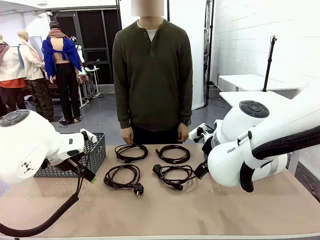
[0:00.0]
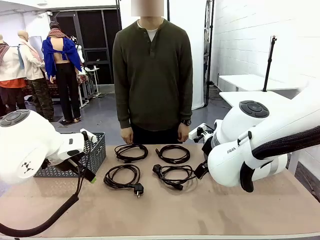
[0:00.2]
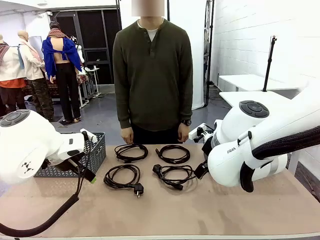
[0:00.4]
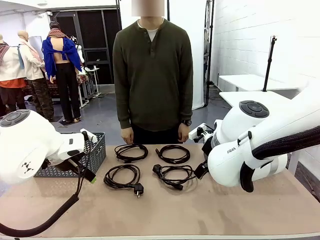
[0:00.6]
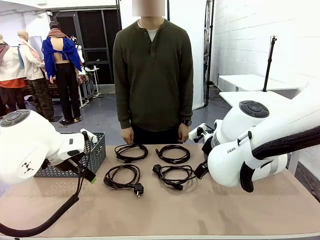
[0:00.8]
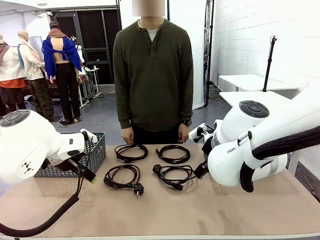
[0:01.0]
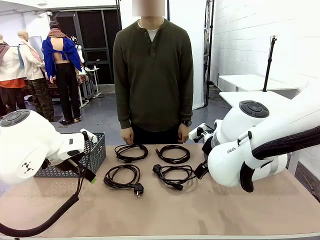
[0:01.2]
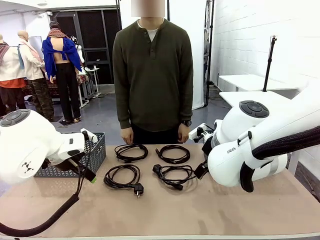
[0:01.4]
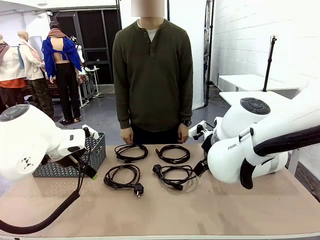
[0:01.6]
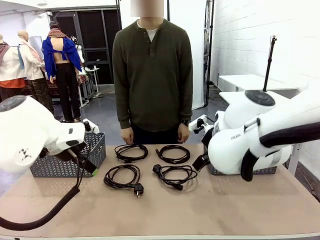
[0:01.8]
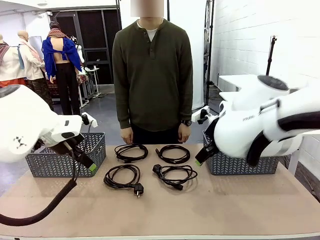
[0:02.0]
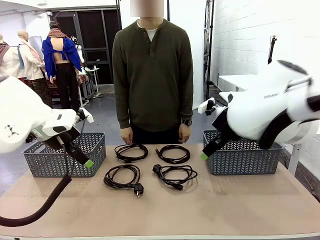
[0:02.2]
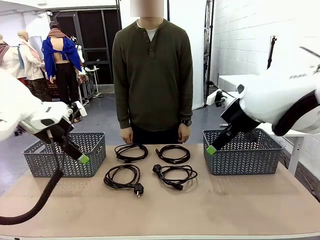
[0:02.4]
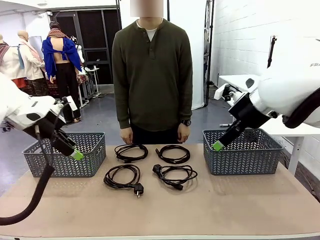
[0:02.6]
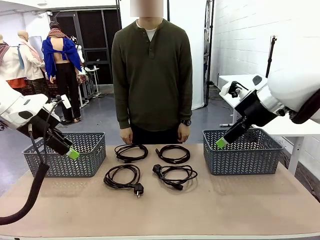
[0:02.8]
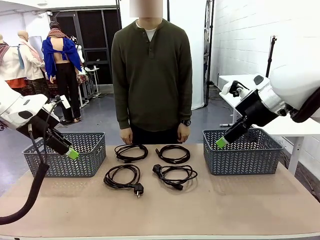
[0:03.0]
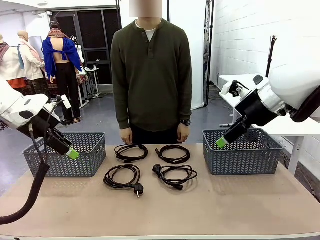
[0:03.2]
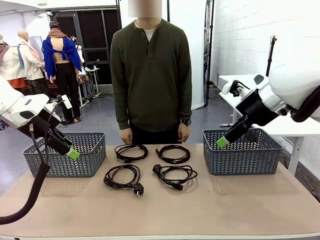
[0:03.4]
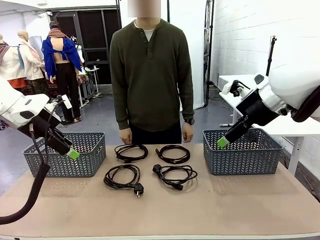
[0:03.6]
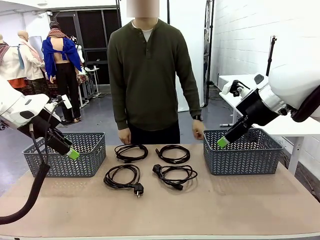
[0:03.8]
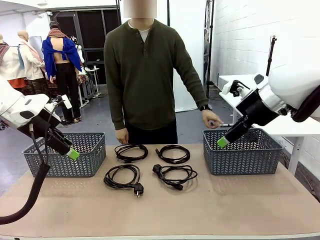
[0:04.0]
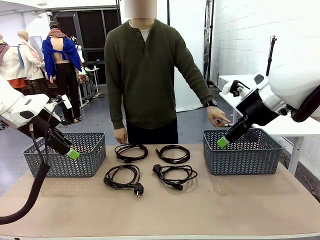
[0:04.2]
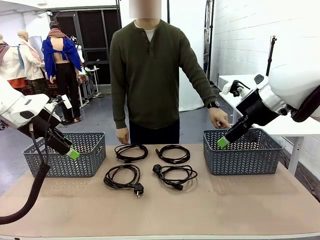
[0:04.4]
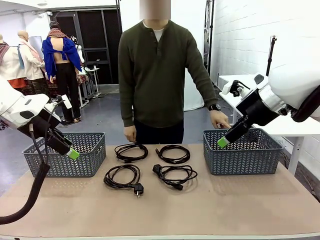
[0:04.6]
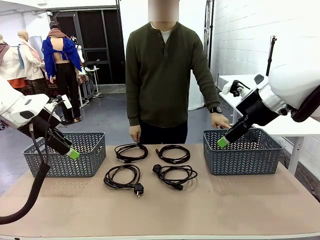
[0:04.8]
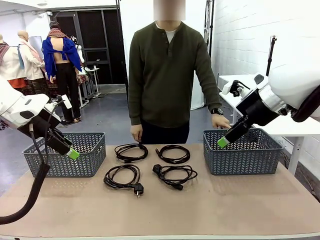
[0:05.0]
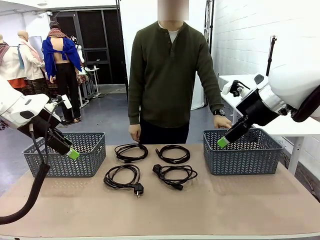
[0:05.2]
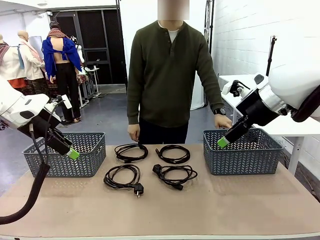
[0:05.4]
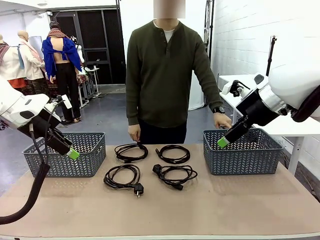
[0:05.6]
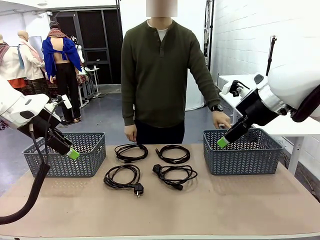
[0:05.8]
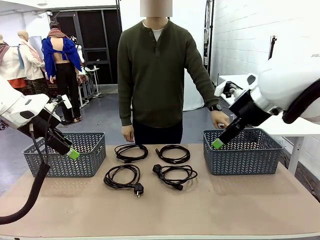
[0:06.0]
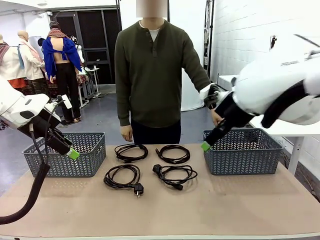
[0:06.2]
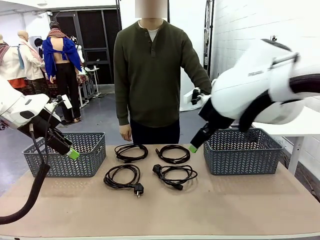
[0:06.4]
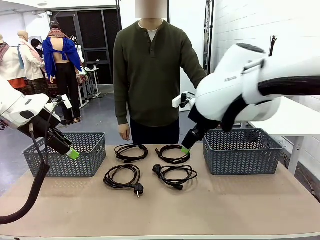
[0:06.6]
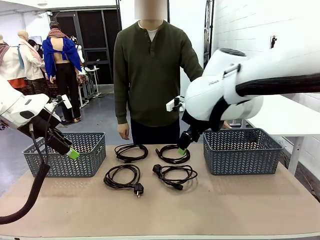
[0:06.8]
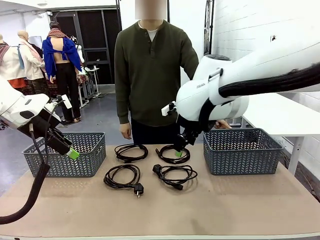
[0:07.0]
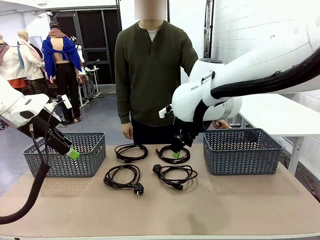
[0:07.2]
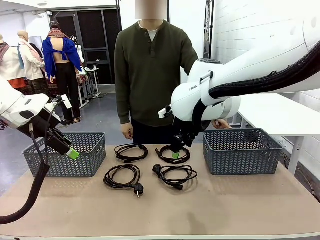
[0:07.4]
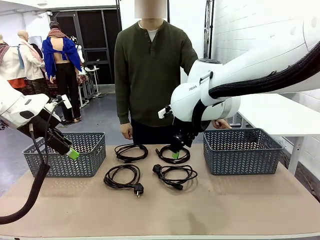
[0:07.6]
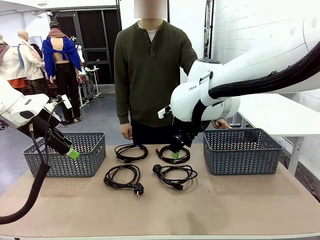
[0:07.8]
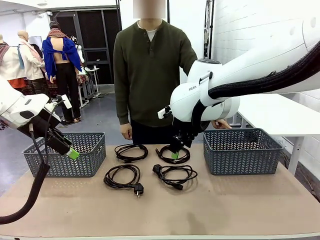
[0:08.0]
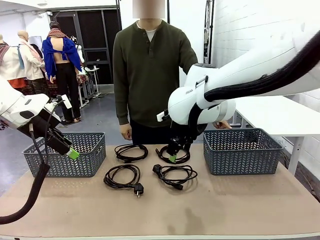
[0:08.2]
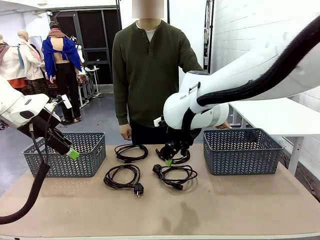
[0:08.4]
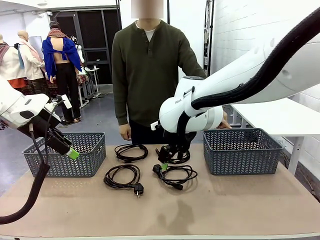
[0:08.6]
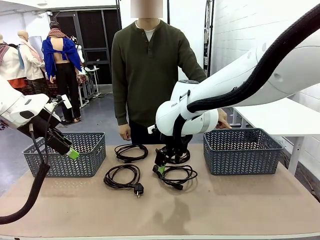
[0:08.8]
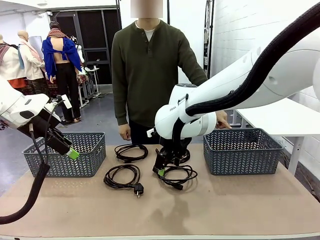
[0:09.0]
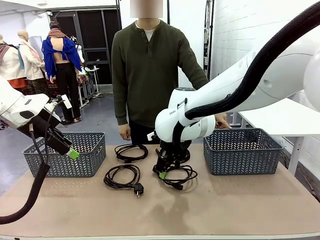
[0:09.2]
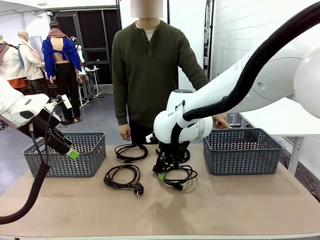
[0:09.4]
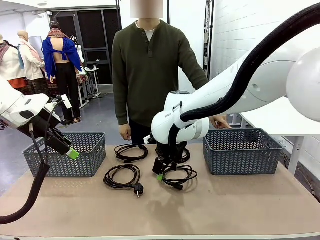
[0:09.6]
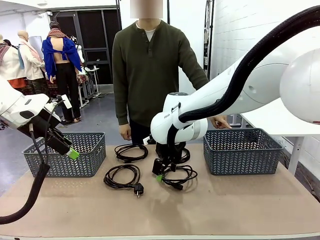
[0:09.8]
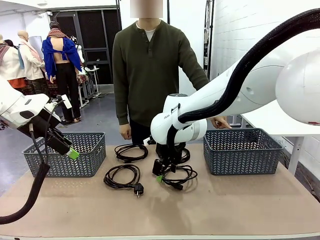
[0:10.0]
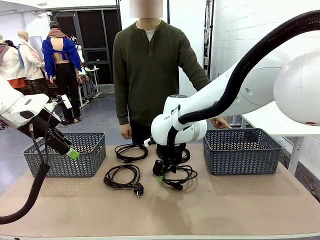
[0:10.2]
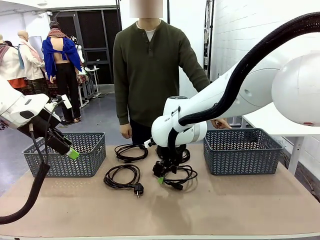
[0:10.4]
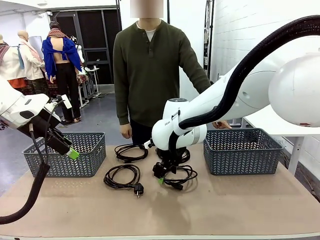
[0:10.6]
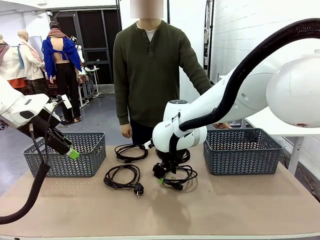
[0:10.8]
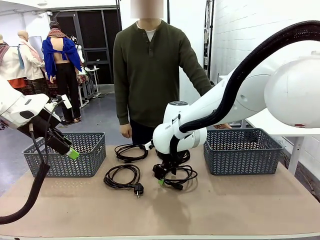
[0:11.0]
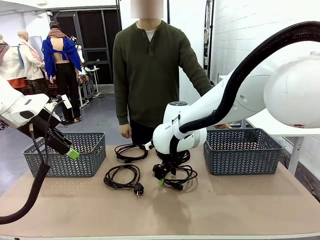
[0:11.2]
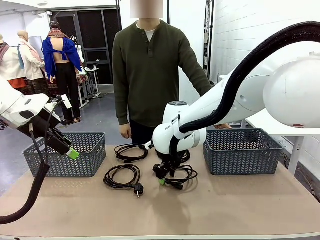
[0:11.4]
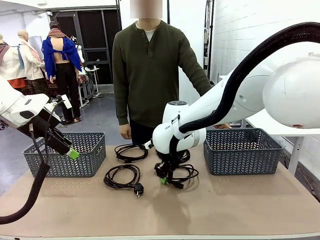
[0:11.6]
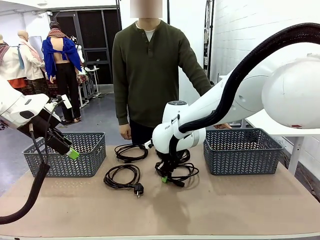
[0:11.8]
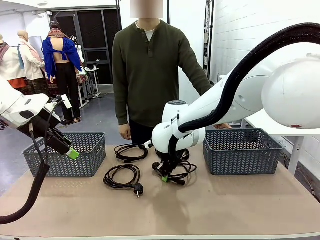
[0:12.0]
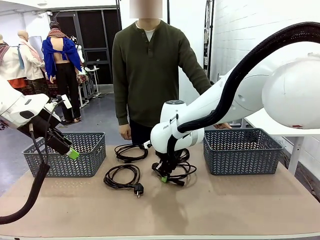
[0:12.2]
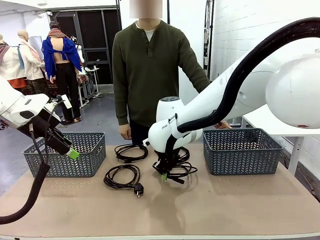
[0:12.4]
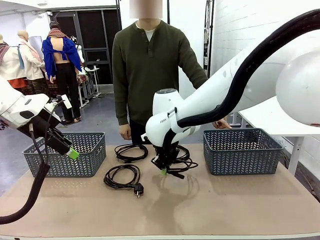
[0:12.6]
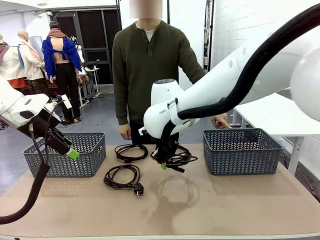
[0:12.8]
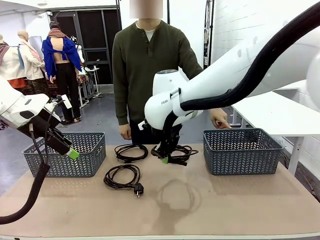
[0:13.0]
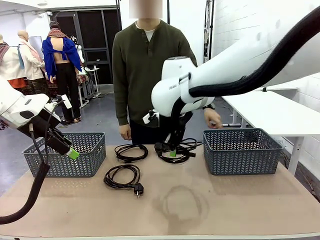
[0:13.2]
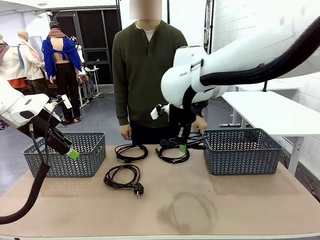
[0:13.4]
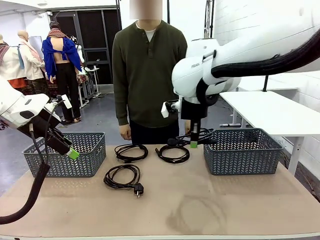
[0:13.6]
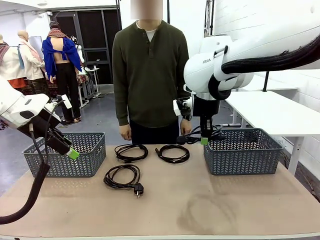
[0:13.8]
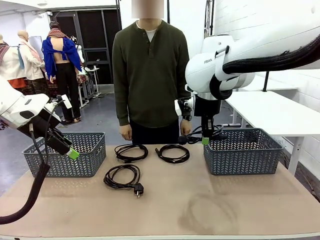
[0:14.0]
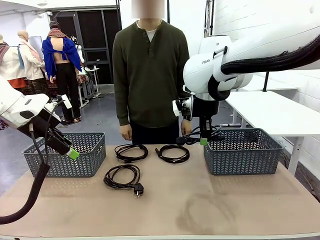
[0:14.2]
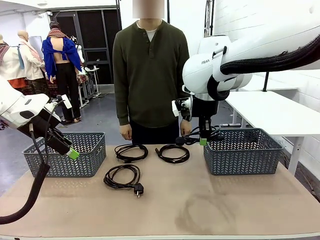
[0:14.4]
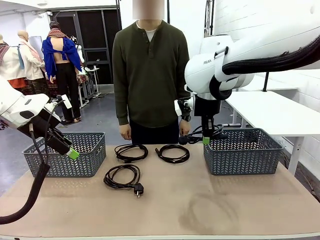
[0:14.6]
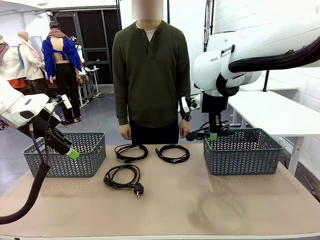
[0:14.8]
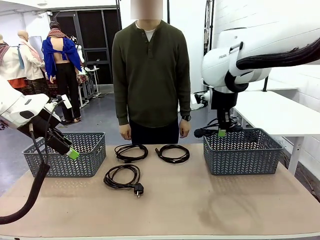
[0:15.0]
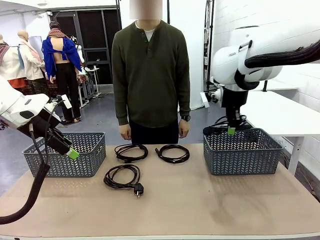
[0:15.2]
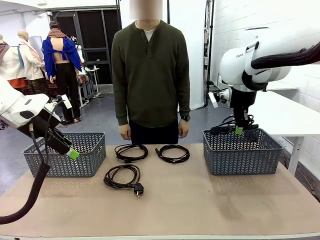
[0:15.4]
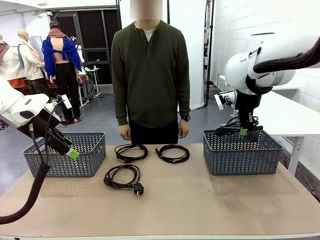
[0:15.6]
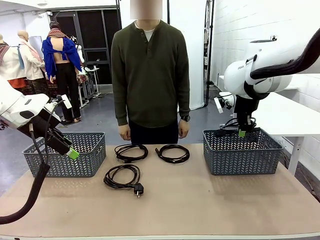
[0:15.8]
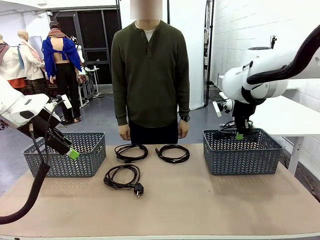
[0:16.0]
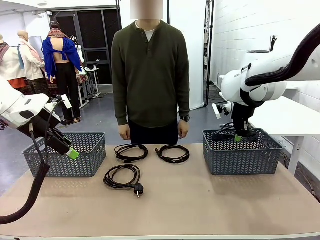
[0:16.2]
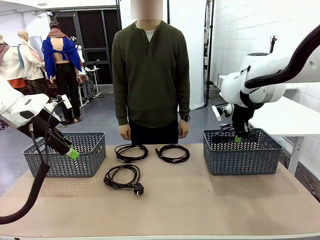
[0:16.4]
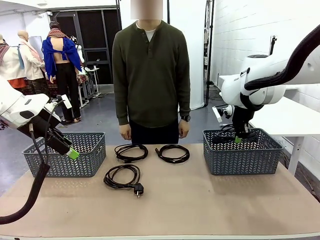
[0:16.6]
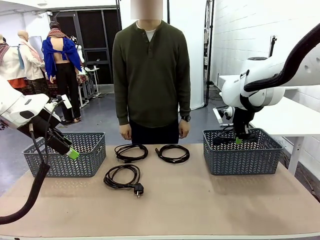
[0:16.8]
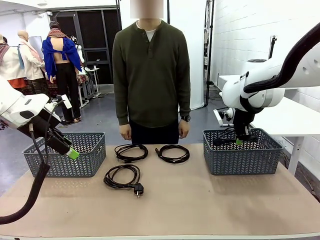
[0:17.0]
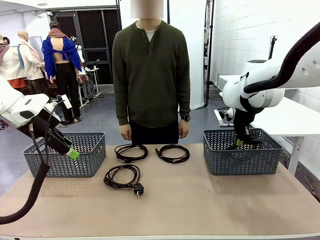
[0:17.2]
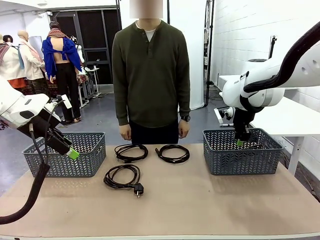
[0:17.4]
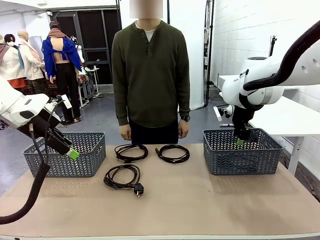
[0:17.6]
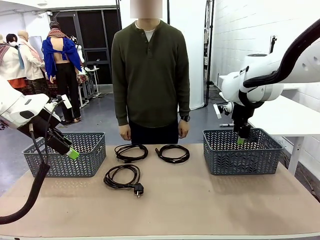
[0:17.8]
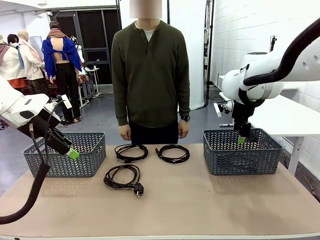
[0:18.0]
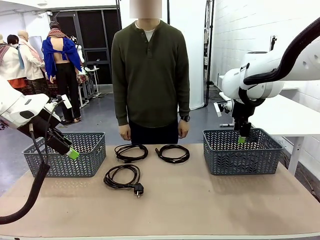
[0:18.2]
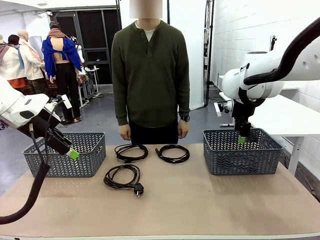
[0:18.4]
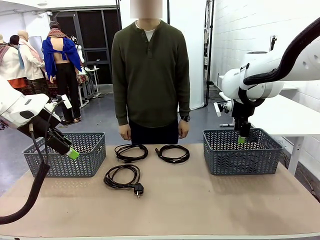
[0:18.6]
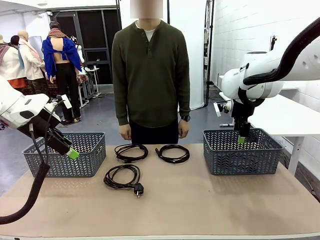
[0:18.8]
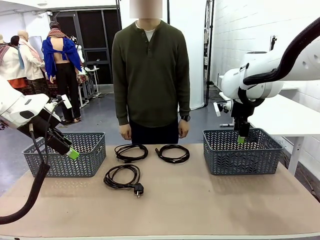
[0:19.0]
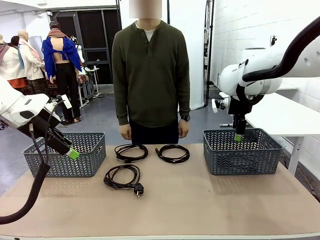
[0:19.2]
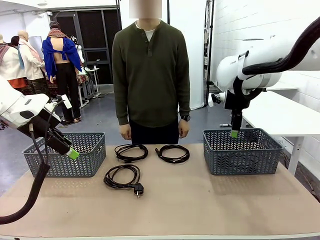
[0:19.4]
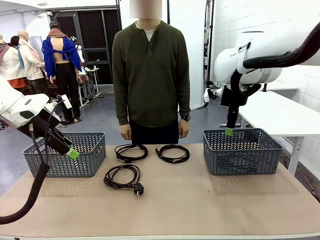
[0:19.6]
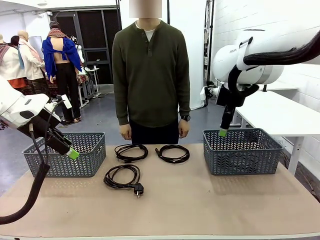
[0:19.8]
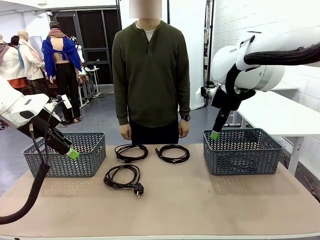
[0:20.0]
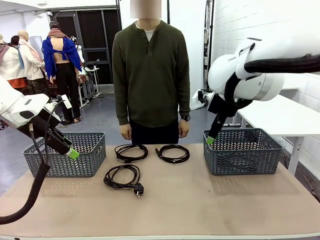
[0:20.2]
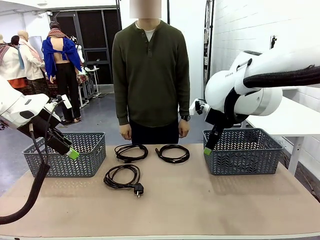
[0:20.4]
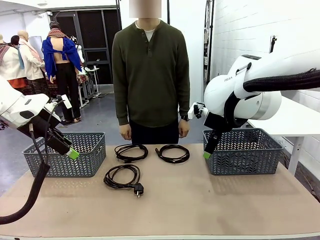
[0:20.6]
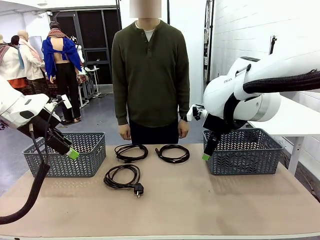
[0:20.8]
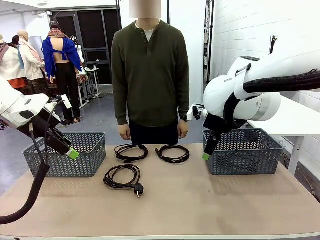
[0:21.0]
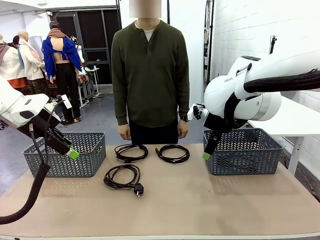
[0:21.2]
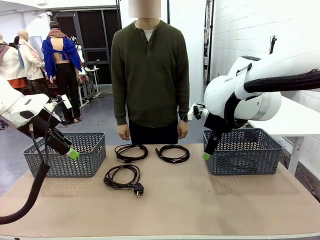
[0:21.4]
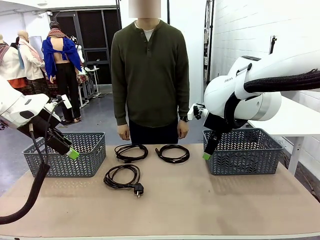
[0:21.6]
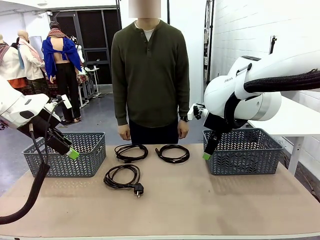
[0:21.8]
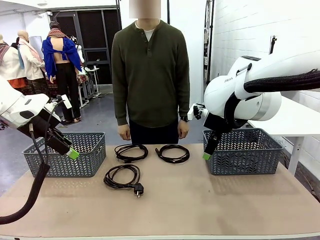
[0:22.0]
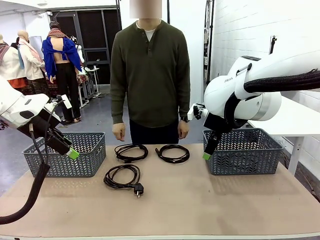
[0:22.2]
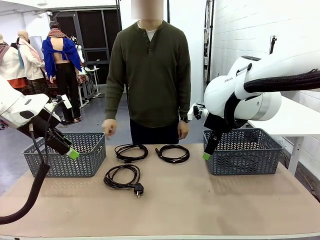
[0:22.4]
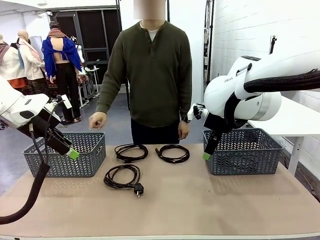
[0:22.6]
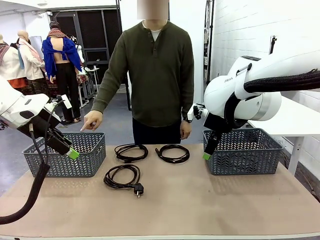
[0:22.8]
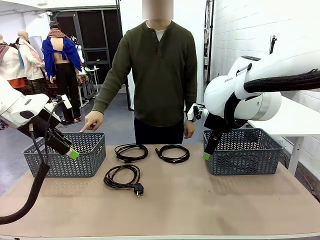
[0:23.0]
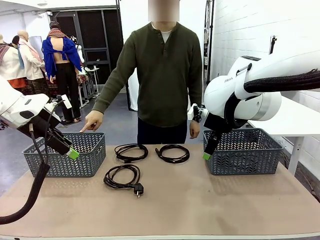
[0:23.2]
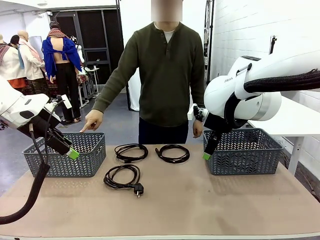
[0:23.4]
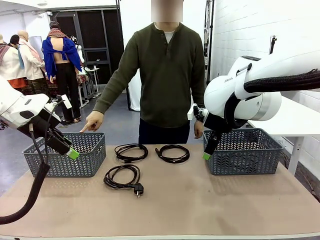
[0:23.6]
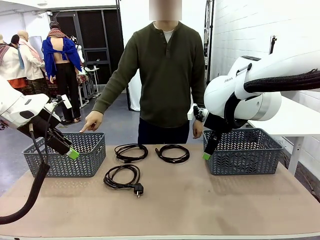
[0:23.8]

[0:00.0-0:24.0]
Task: Organize the cables according to human instructions.
Robot: Pick up a bundle of cables and place it in the basket indicated by the human.
